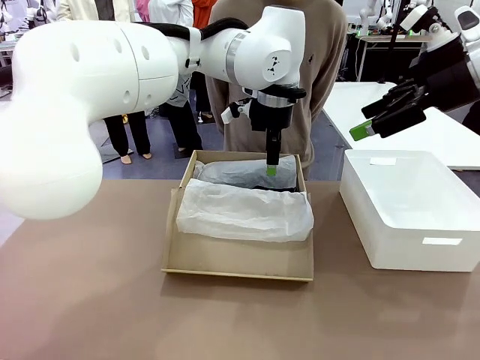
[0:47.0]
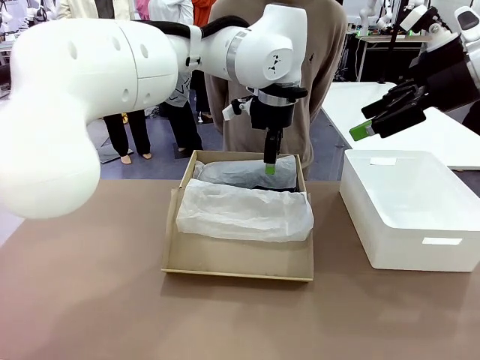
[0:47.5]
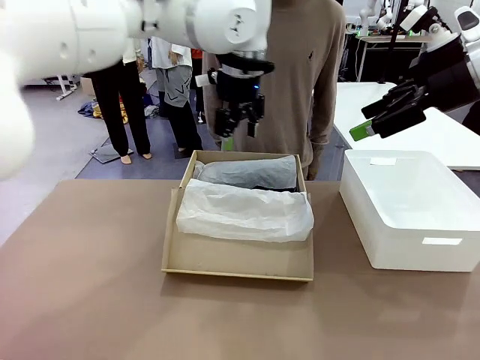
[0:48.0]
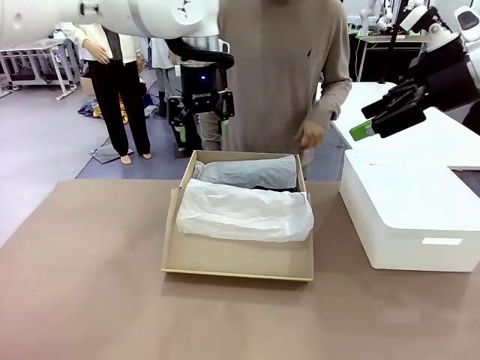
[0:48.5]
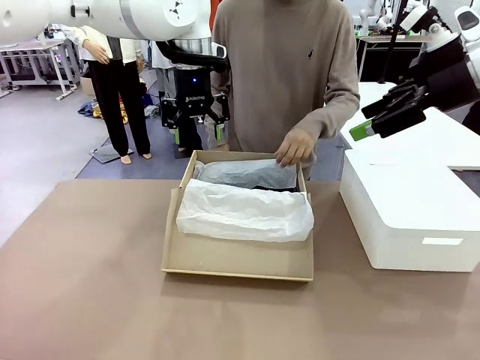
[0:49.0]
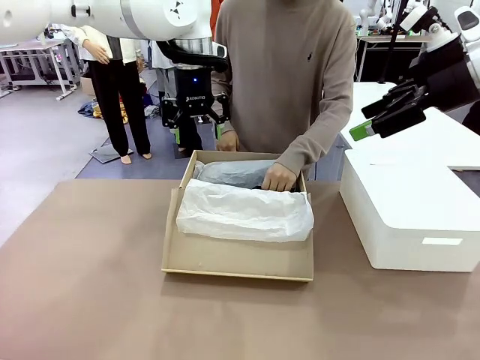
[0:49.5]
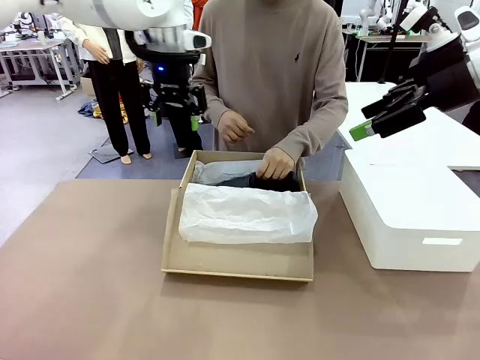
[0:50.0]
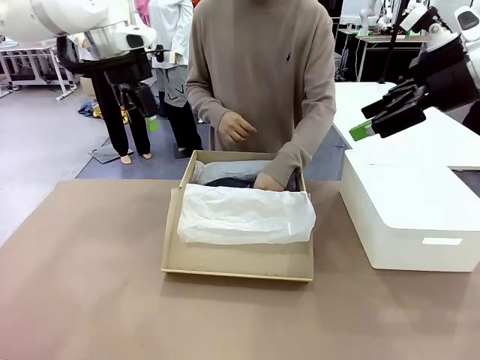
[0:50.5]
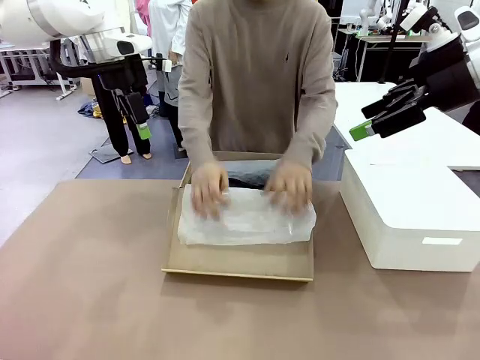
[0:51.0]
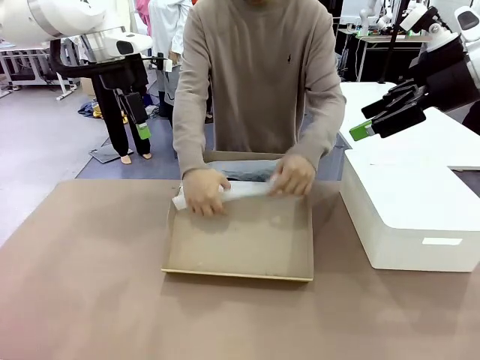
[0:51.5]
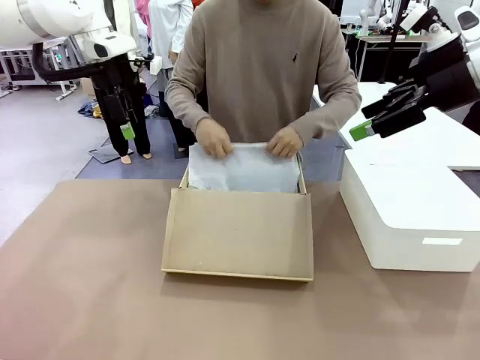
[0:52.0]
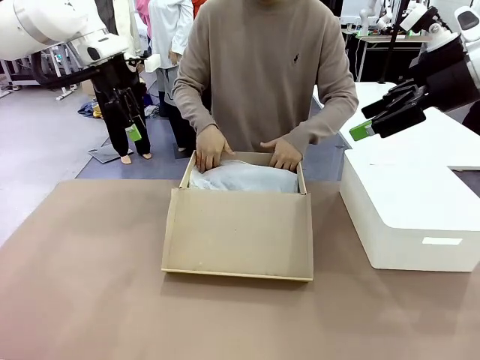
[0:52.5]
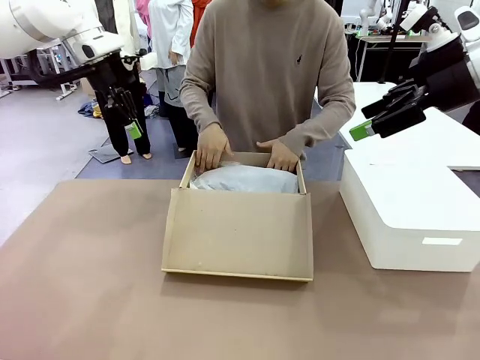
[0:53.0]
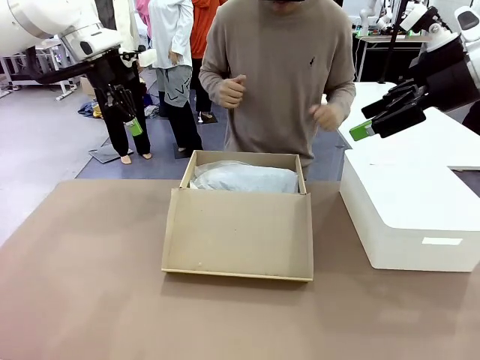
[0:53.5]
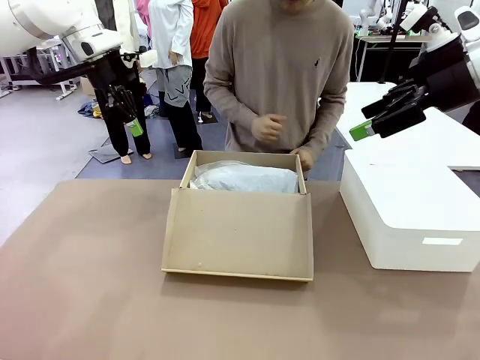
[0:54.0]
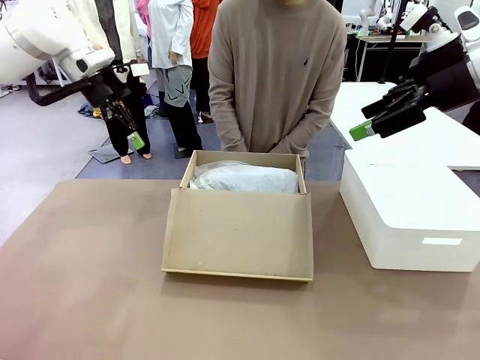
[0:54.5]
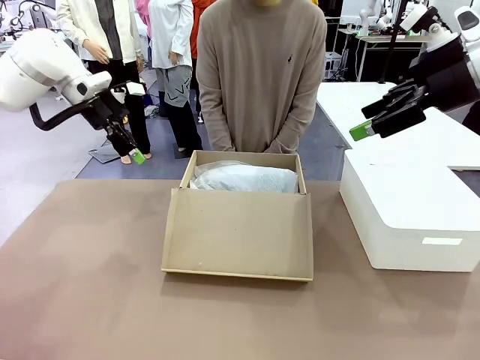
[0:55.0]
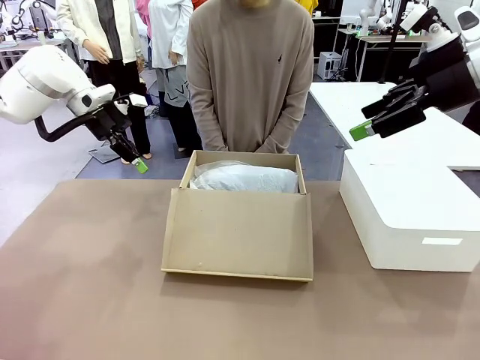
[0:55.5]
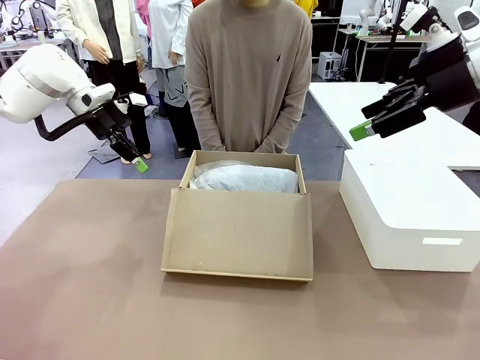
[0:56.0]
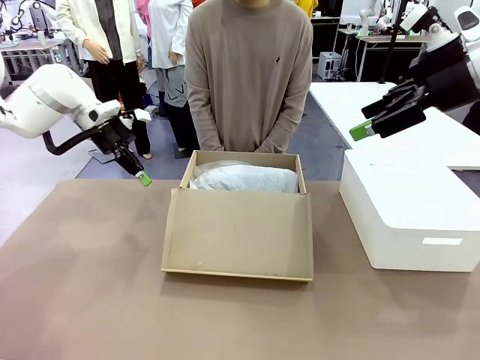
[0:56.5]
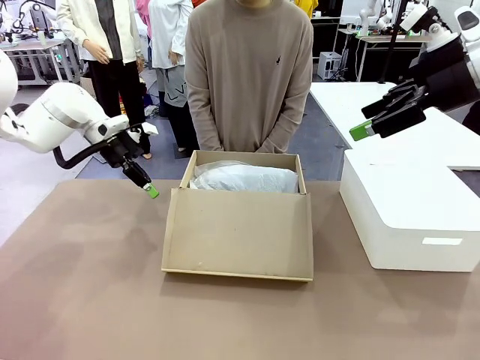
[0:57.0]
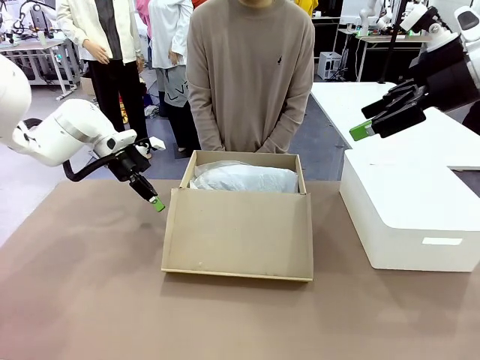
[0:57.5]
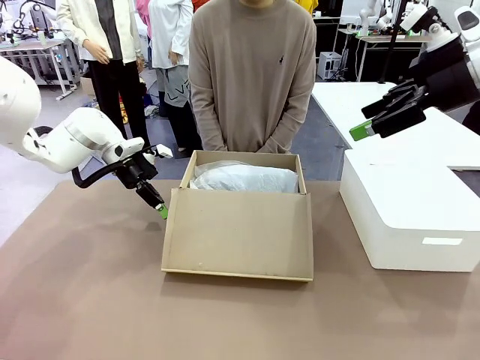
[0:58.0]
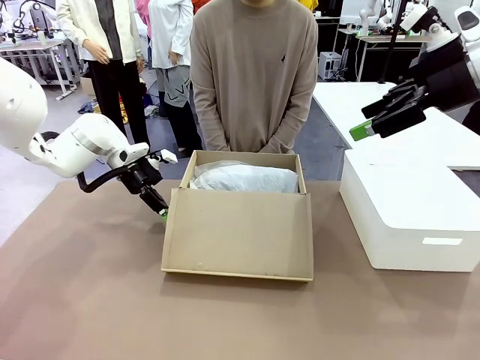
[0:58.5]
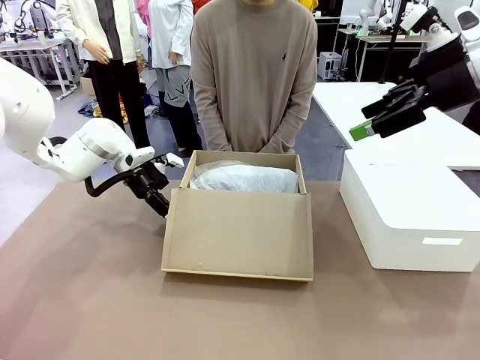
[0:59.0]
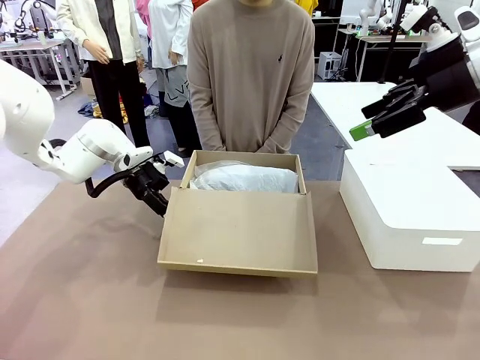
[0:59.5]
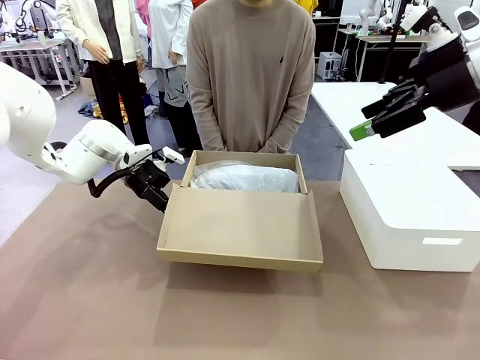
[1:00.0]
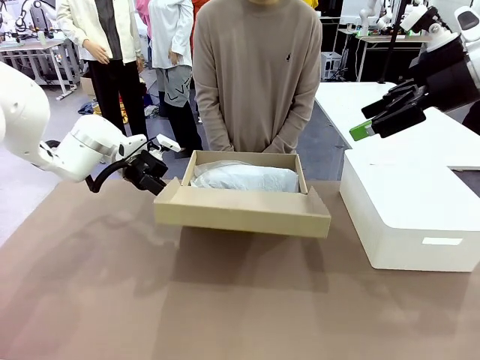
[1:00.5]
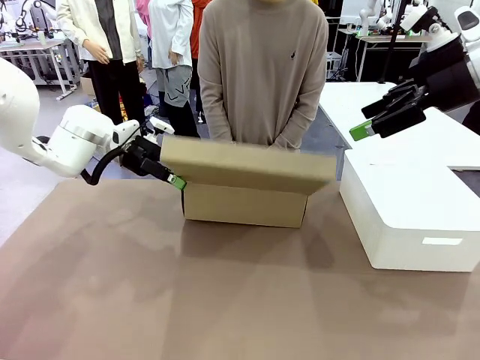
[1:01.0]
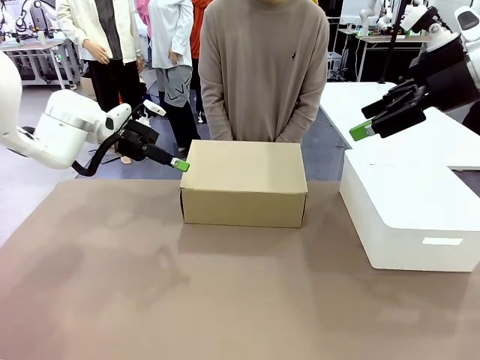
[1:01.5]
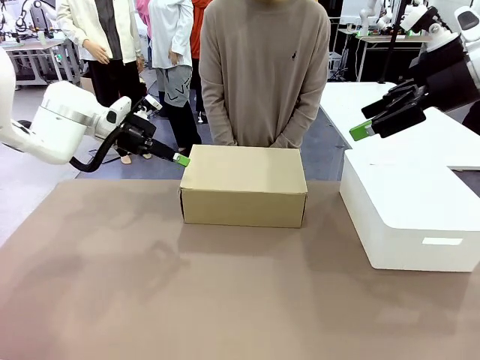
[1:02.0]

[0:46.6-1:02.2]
Task: Pack the shoes into the box.
Robot: Close the Shoes Box.

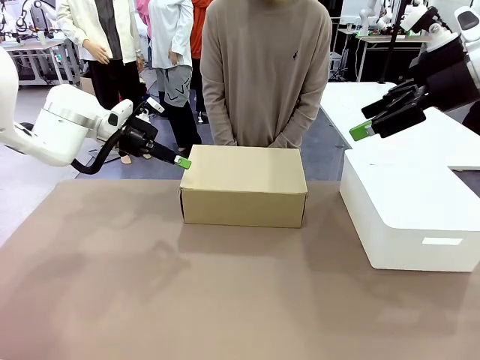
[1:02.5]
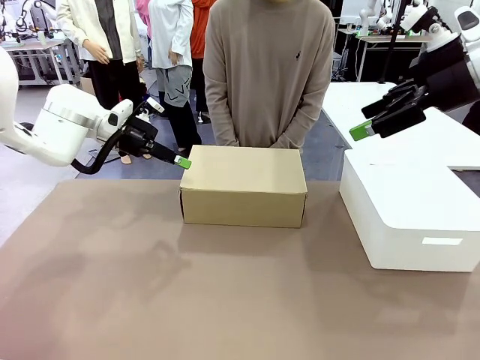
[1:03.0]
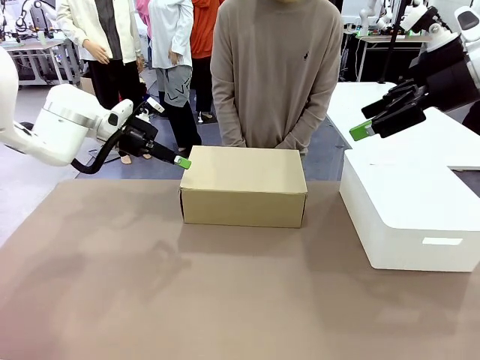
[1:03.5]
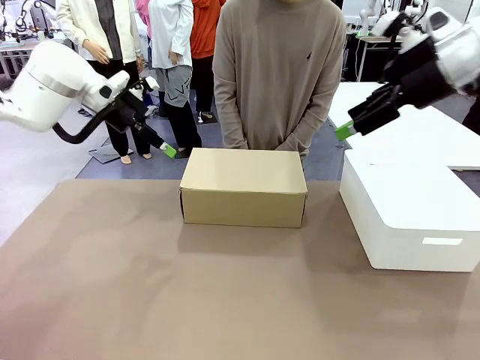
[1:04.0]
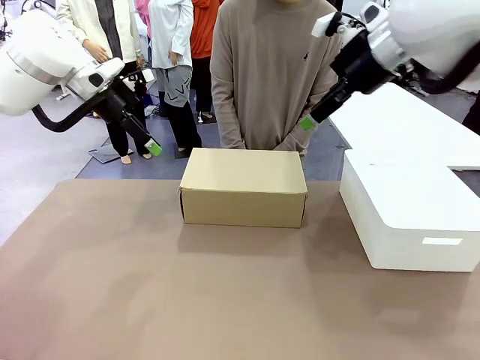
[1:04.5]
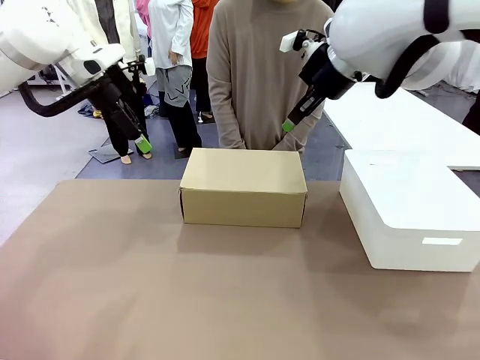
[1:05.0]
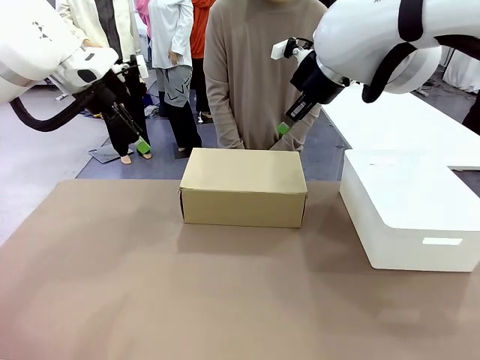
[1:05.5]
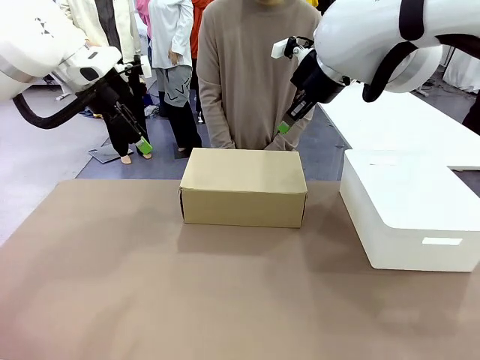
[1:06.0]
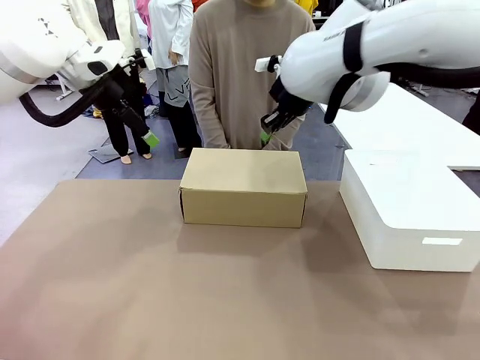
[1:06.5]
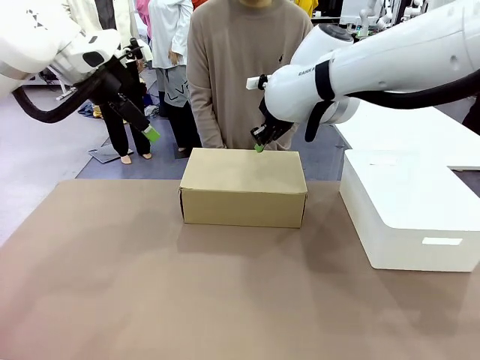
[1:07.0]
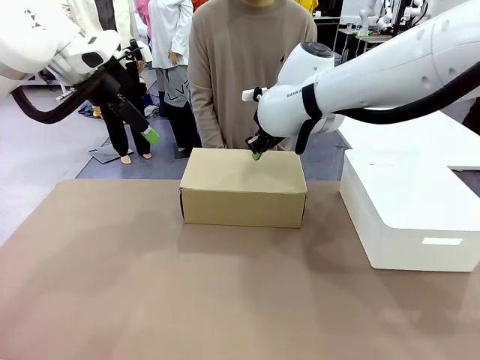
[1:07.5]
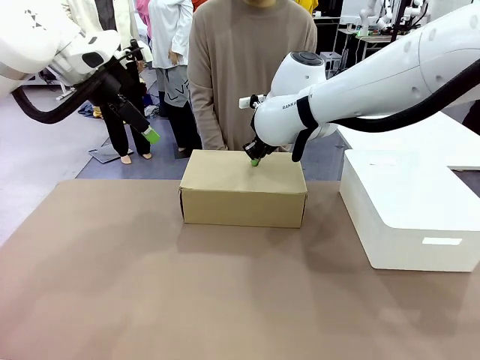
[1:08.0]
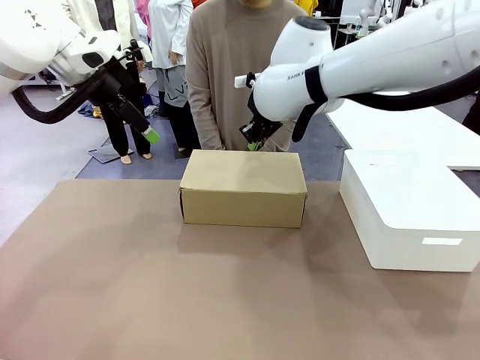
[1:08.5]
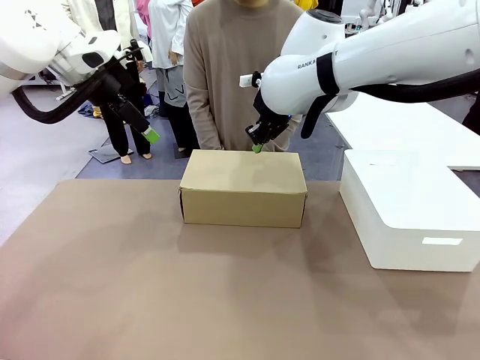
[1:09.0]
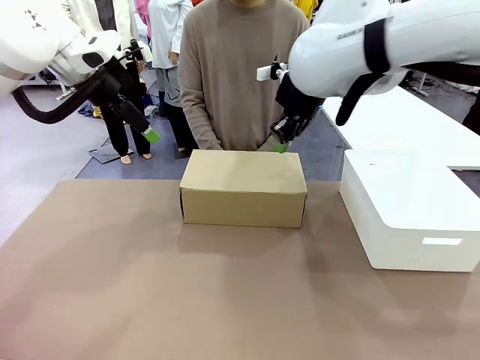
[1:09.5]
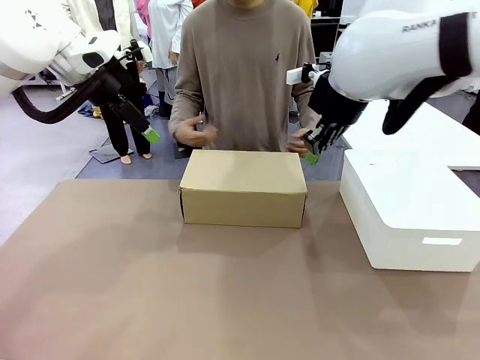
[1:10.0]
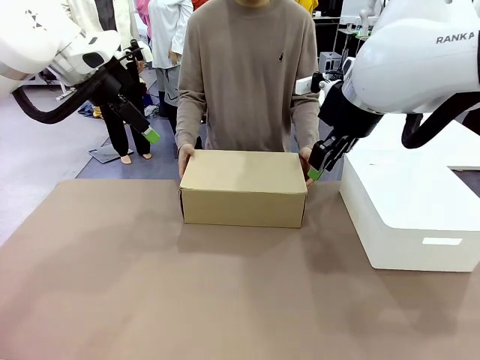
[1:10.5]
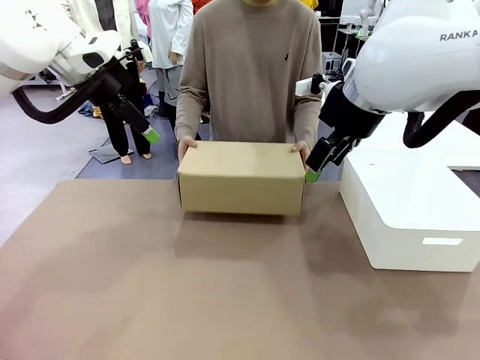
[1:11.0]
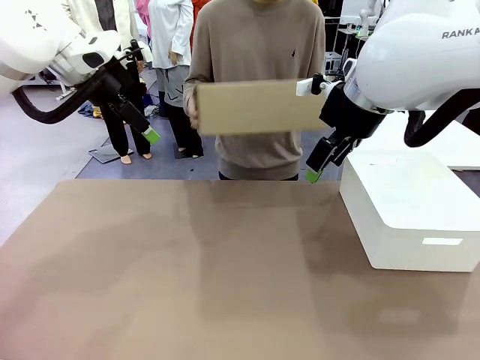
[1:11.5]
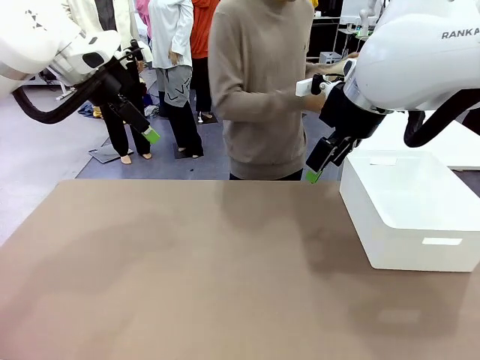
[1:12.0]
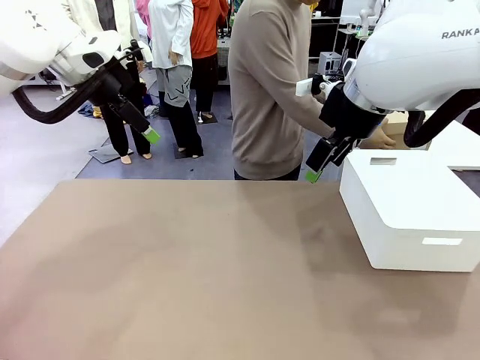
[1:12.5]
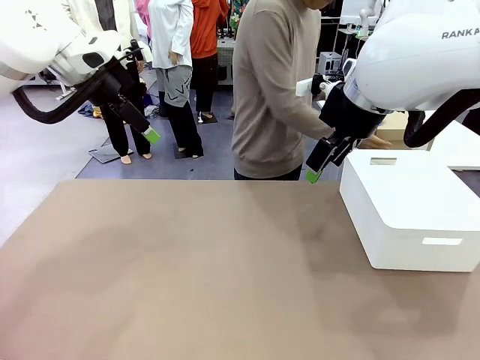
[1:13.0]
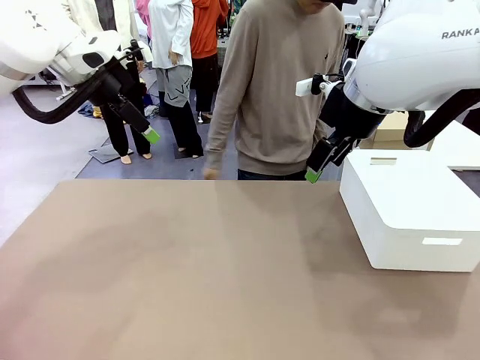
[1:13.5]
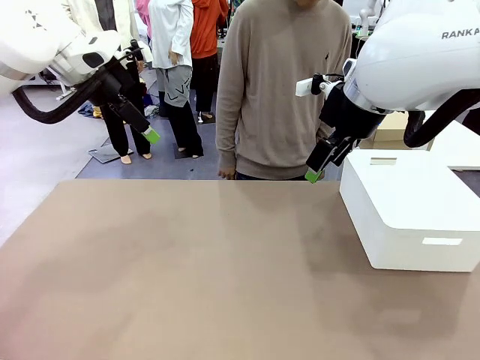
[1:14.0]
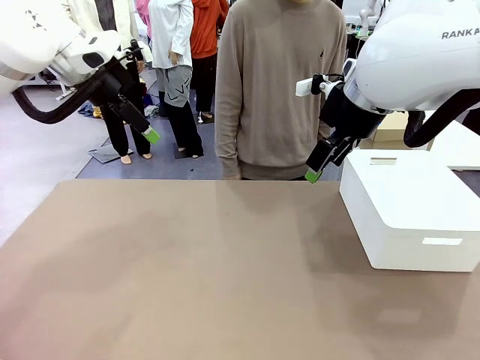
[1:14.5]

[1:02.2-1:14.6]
Robot: Press down on the lid of the Shoes Box.
Person: Place the closed Shoes Box to the right side of the human table.
